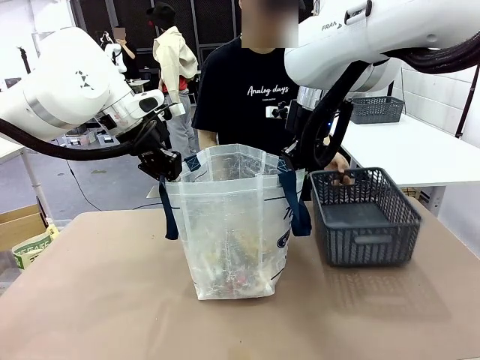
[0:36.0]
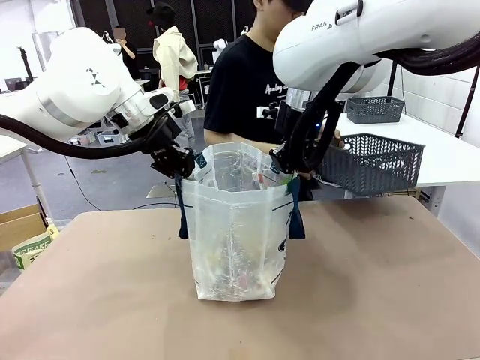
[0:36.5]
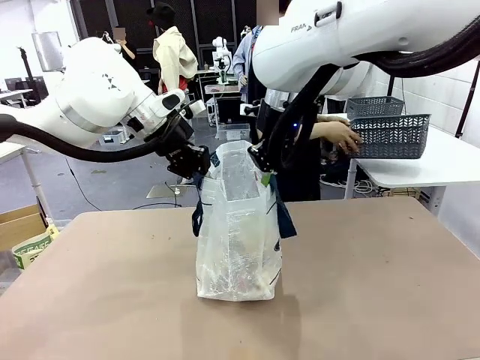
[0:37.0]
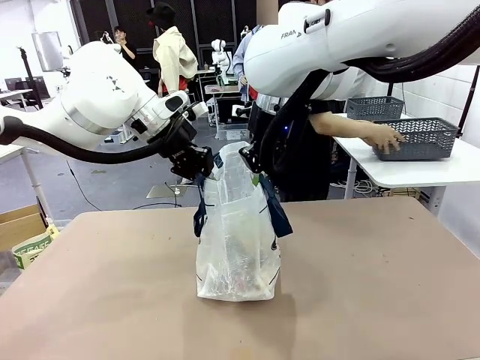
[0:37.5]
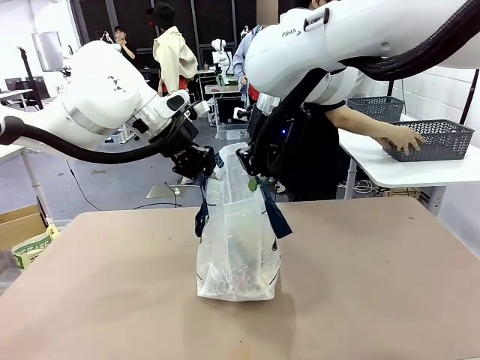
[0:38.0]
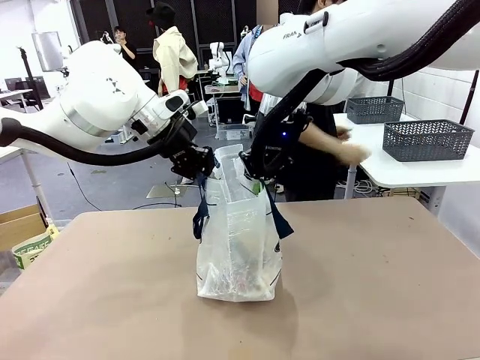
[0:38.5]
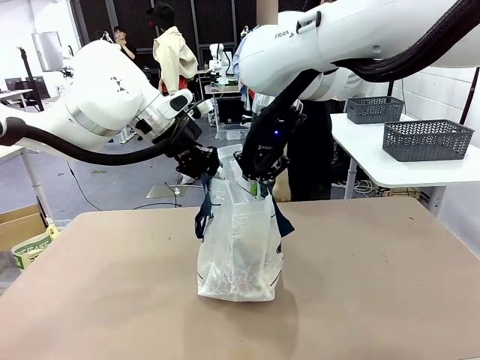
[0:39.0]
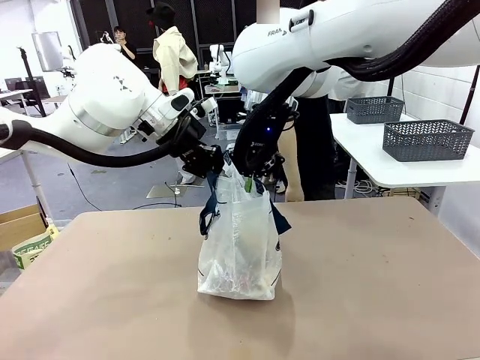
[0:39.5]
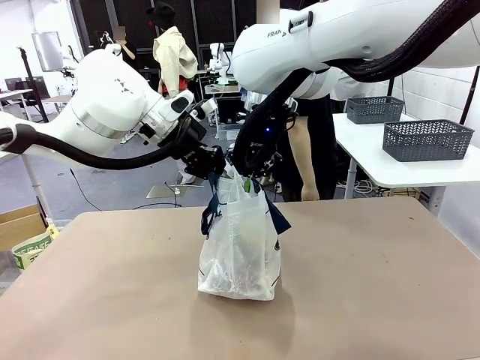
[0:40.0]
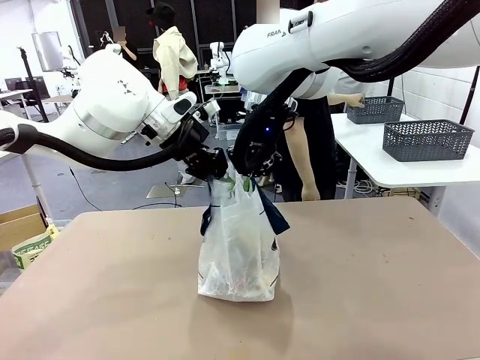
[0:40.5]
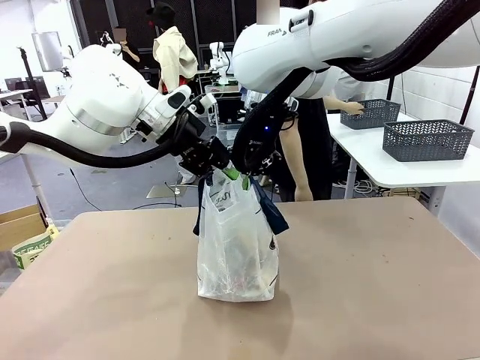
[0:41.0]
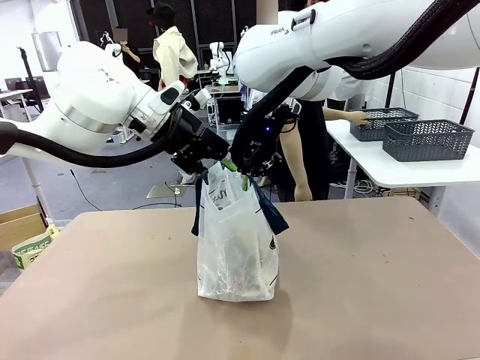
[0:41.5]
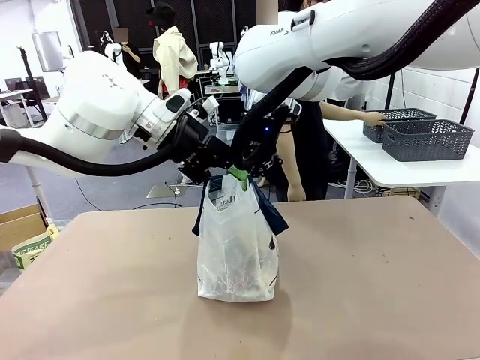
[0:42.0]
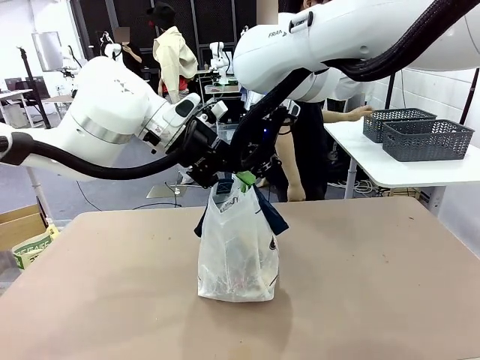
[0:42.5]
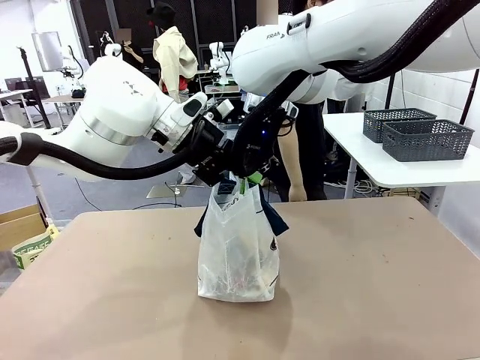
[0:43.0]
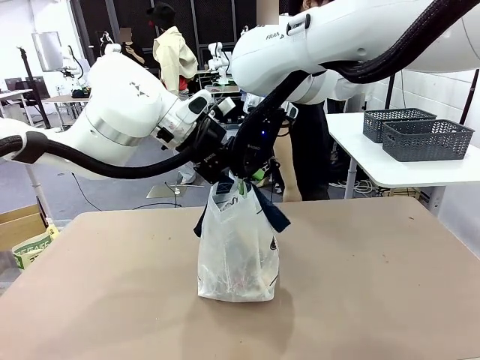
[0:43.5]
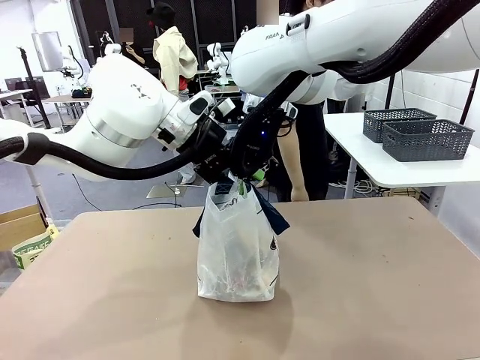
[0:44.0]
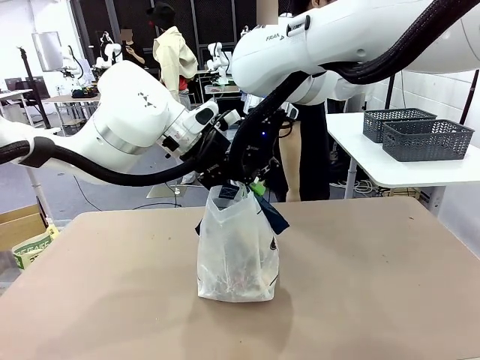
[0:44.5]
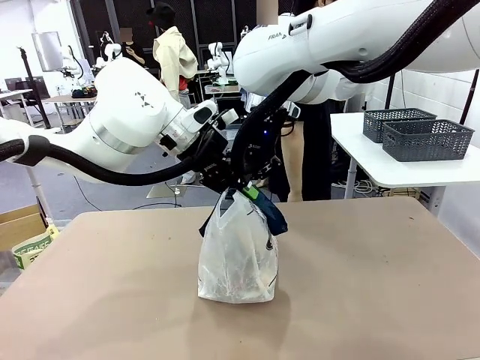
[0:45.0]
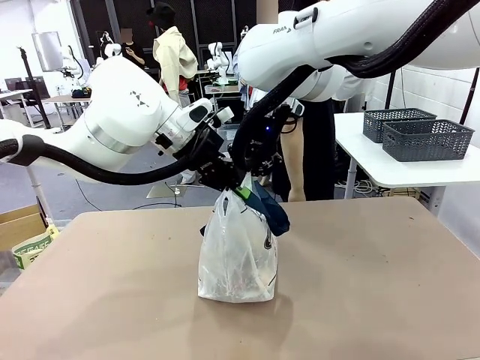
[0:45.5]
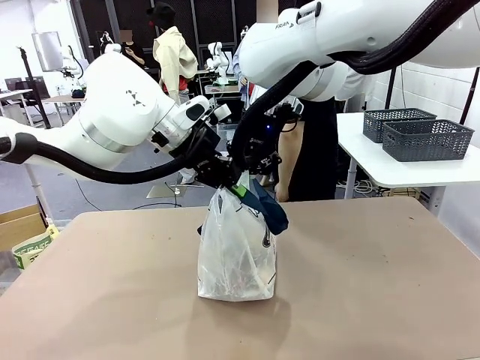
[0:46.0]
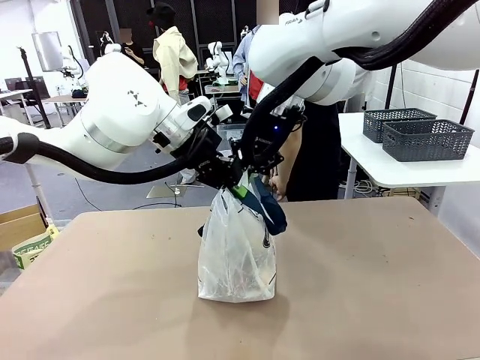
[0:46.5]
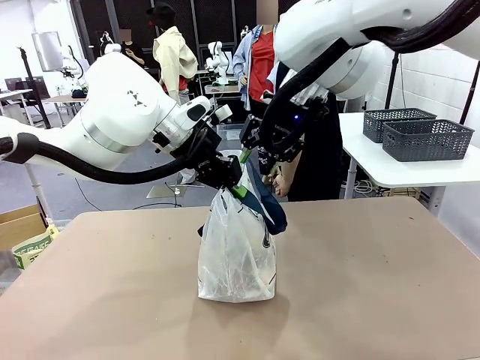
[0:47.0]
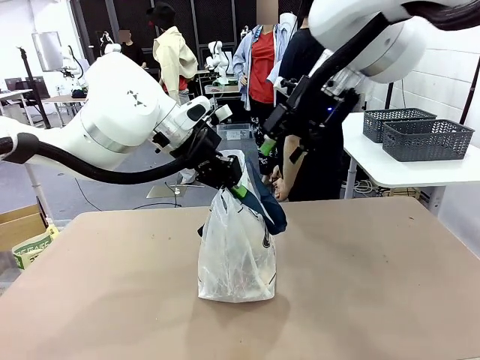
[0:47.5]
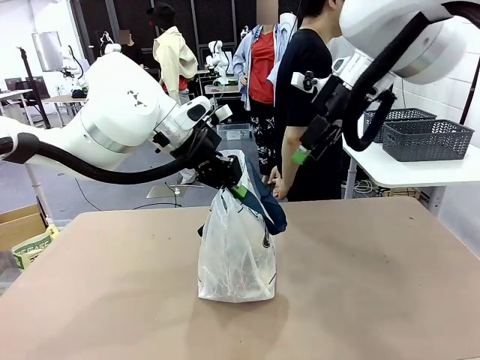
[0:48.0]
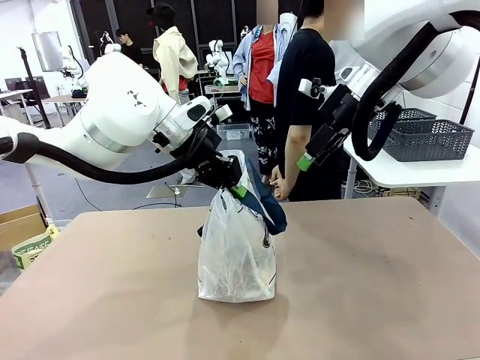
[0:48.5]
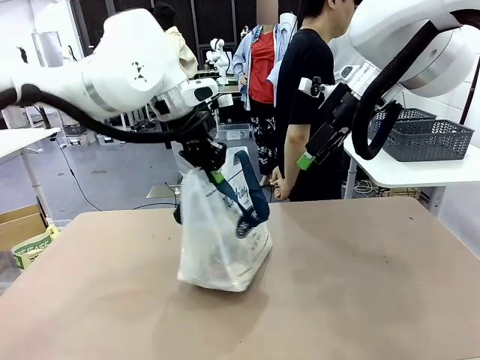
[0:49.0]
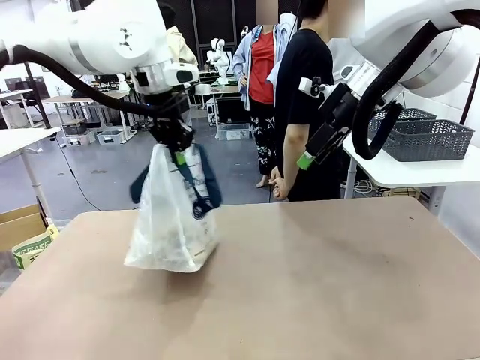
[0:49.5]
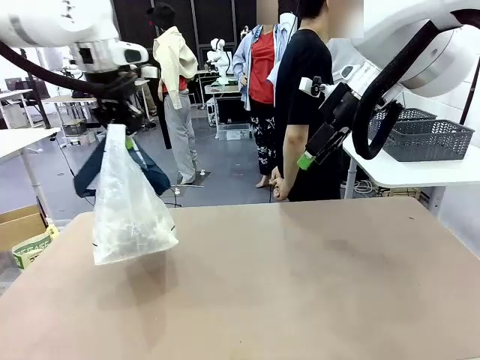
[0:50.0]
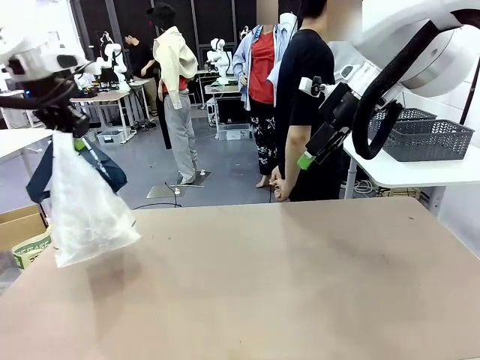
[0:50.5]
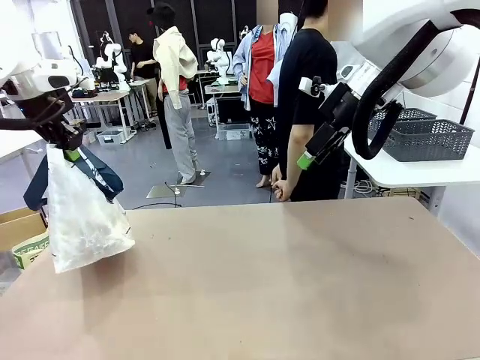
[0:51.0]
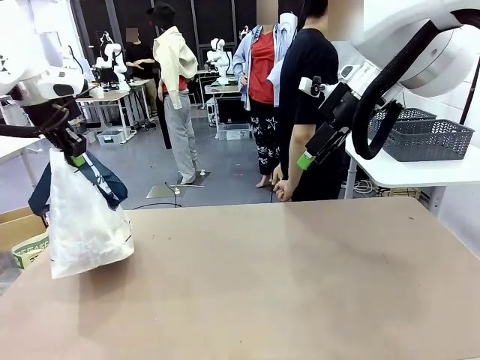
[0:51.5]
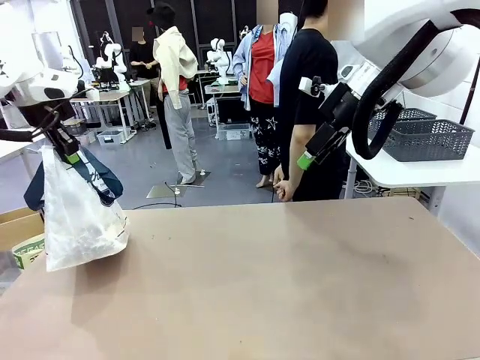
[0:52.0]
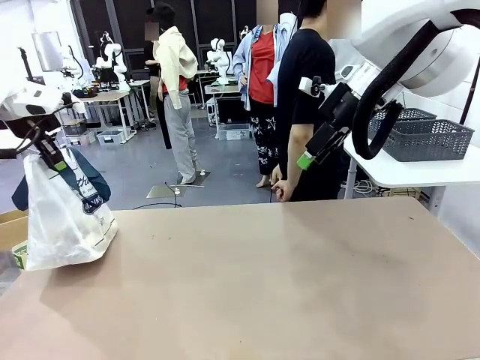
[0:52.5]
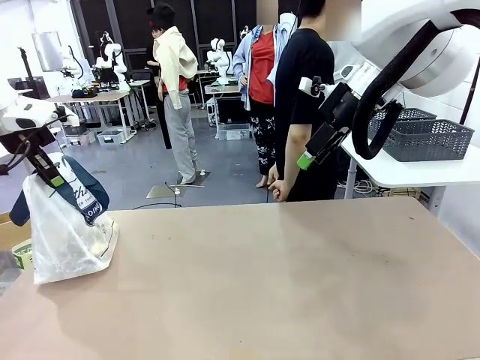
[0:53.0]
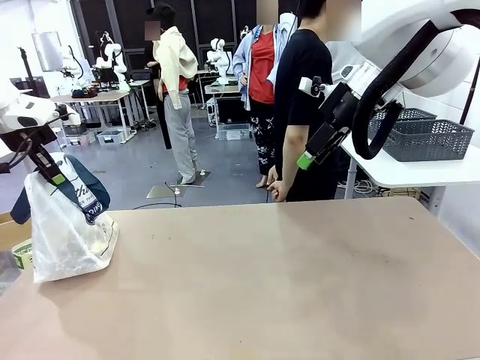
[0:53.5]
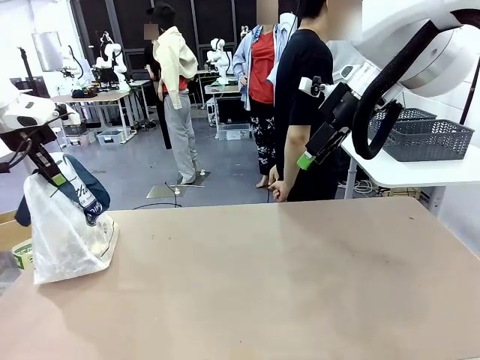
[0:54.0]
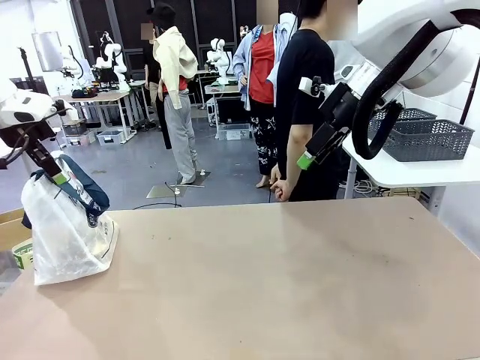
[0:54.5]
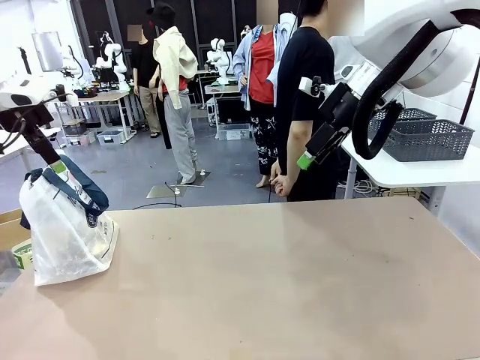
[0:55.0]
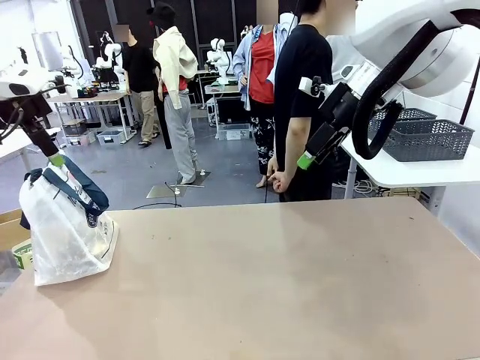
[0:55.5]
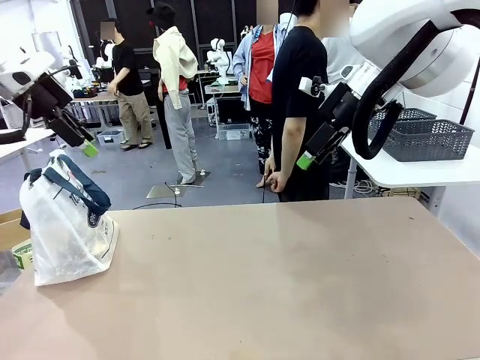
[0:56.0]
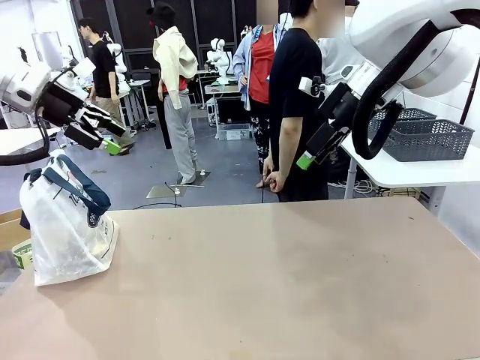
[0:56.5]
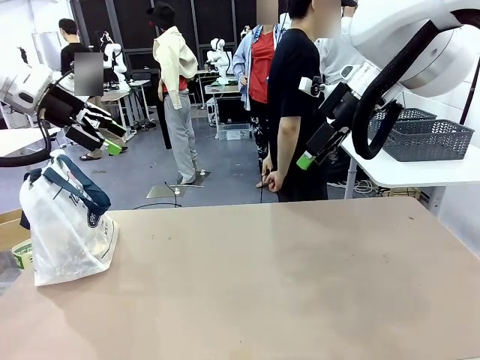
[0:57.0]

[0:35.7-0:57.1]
Task: Transfer purchased items from the store into the shopping bag.
Robot: Move the Reusable shopping bag to the right side of the table.
Person: Pick up the basket with the items out and place it on the right side of the human table. Move the basket on the left to the middle of the person's table.
